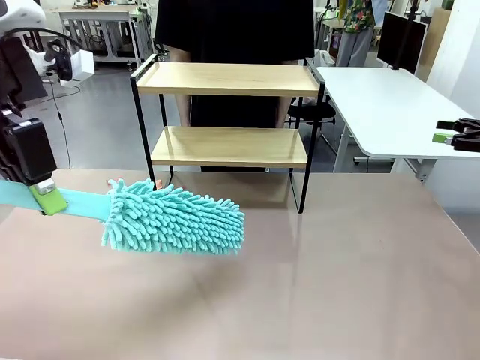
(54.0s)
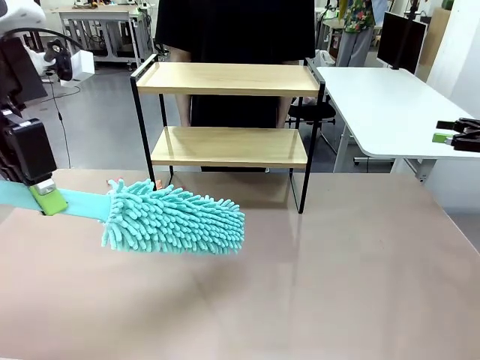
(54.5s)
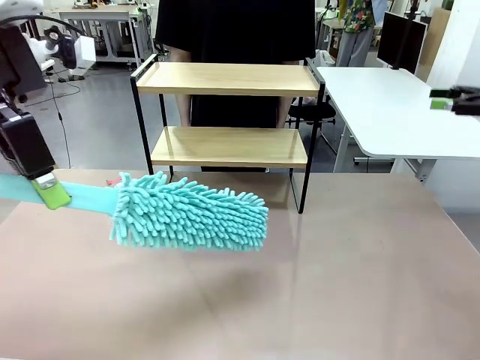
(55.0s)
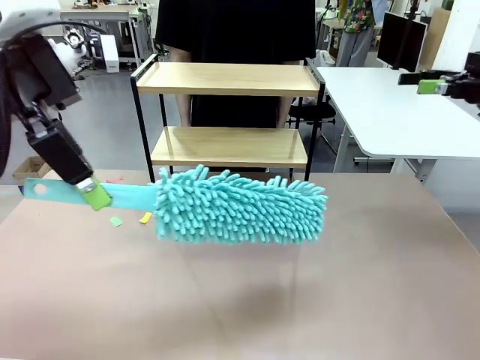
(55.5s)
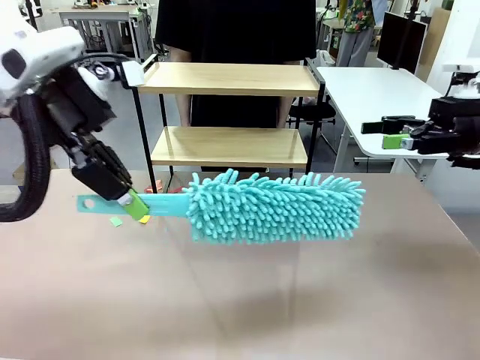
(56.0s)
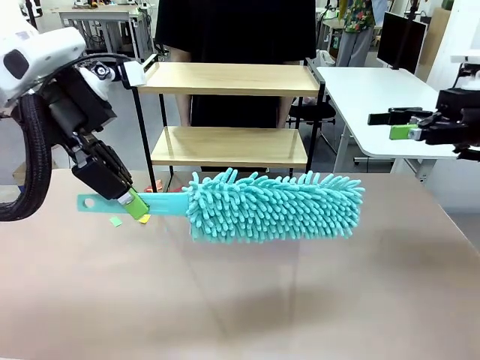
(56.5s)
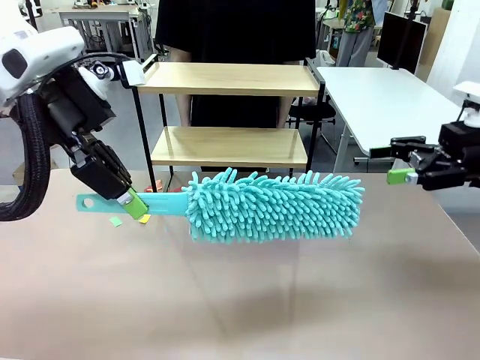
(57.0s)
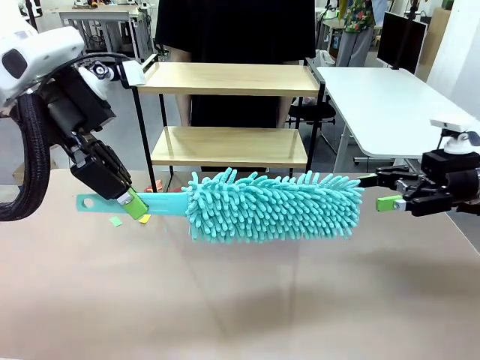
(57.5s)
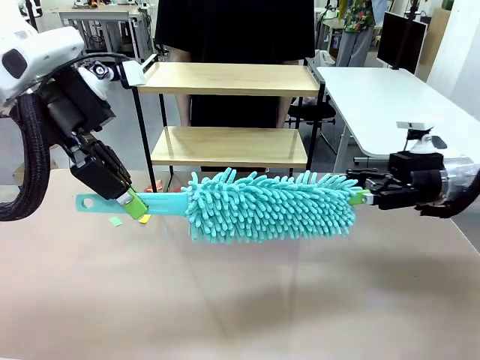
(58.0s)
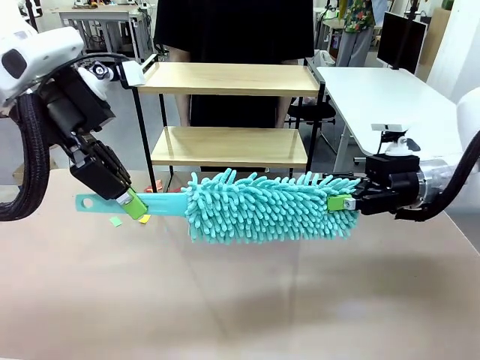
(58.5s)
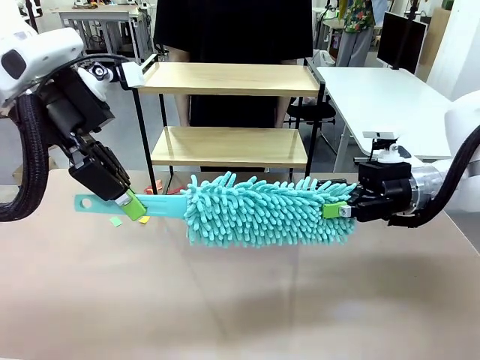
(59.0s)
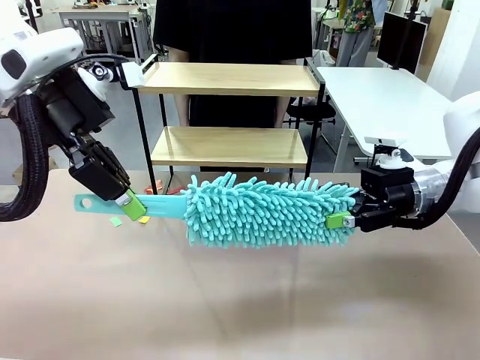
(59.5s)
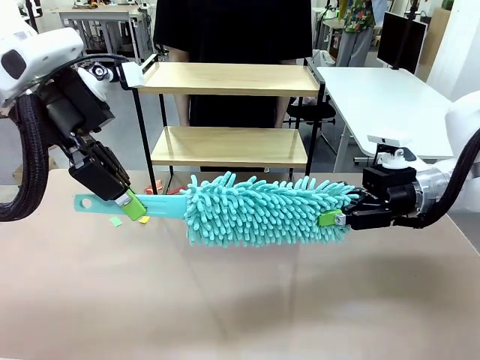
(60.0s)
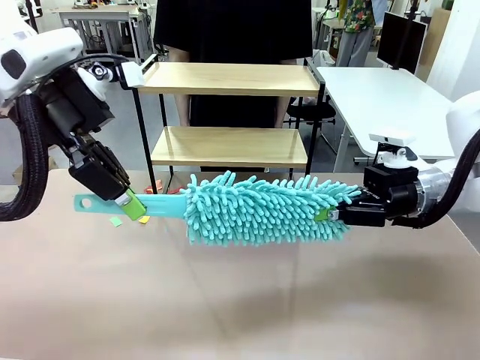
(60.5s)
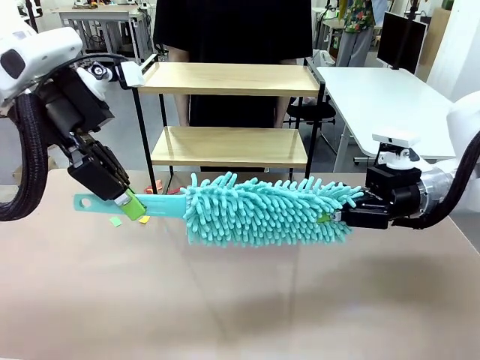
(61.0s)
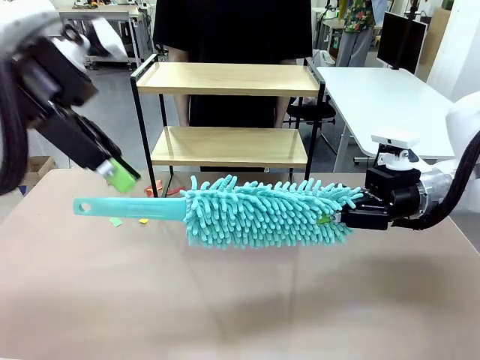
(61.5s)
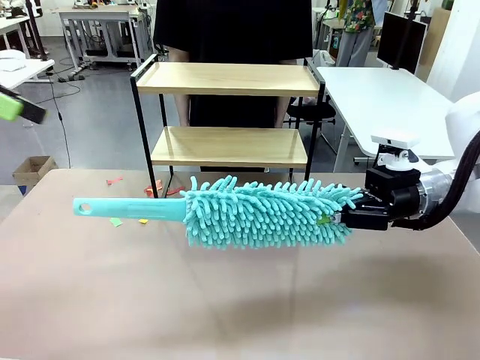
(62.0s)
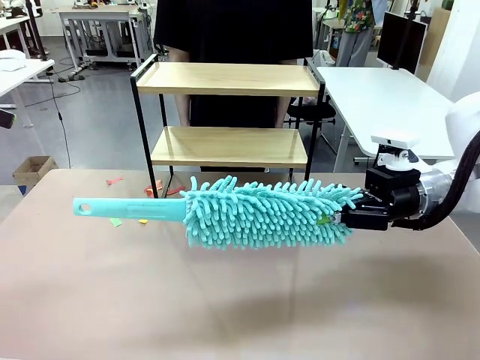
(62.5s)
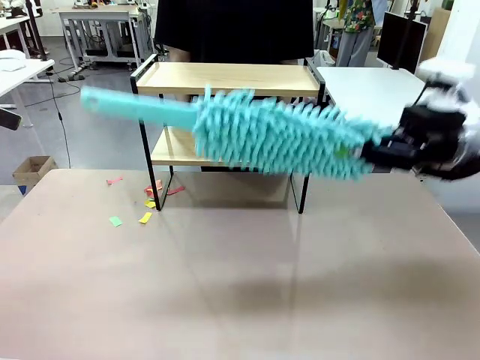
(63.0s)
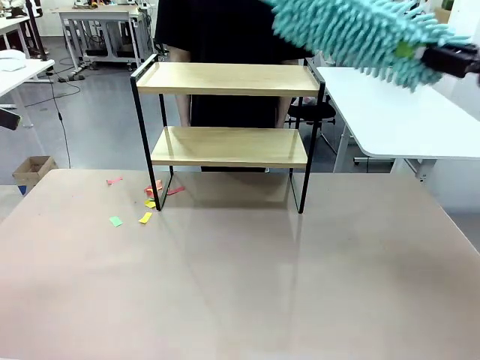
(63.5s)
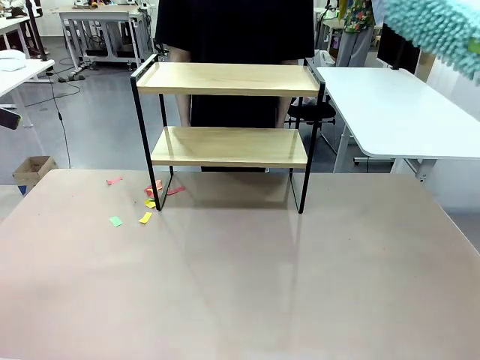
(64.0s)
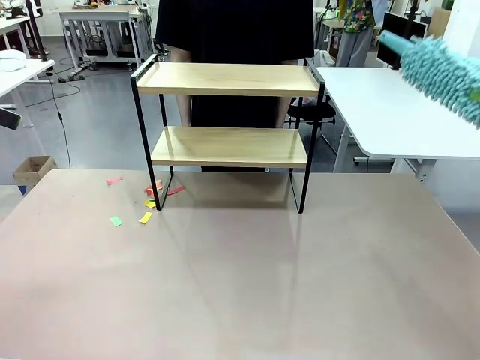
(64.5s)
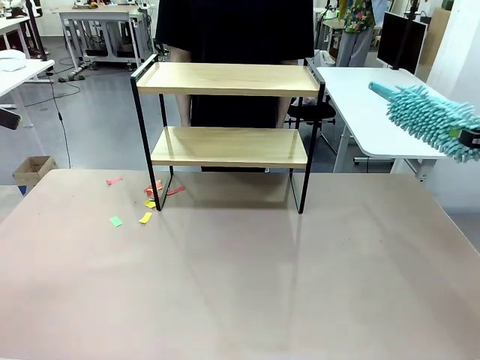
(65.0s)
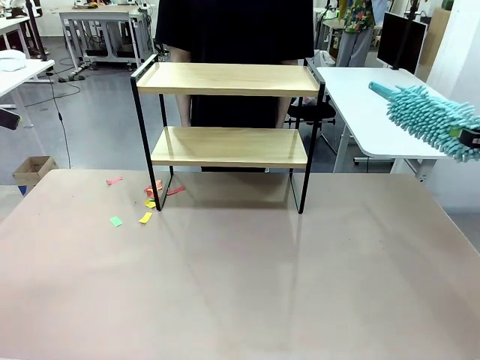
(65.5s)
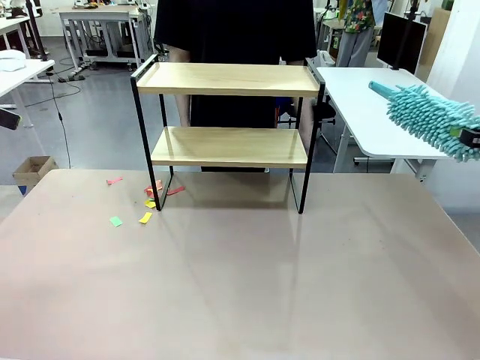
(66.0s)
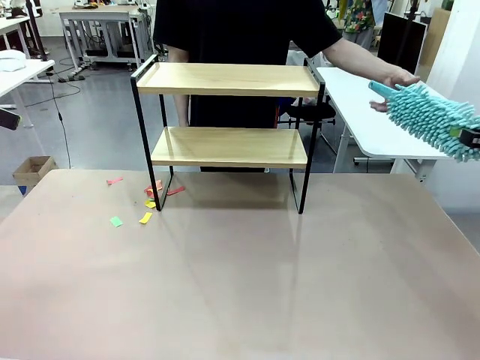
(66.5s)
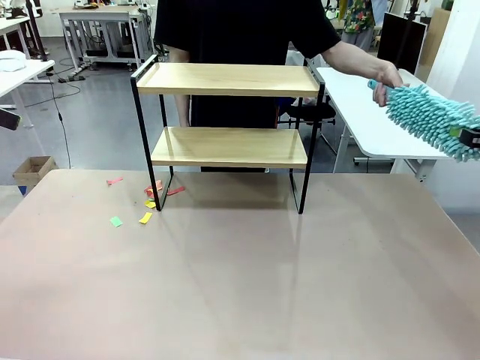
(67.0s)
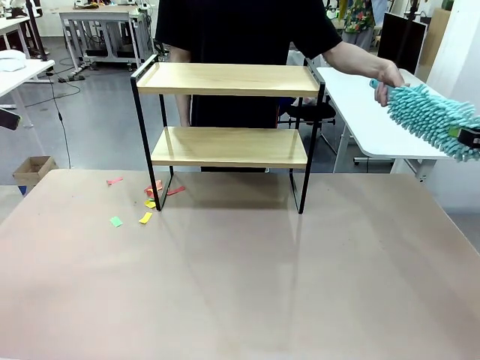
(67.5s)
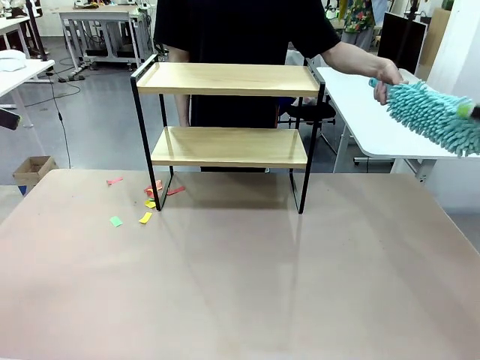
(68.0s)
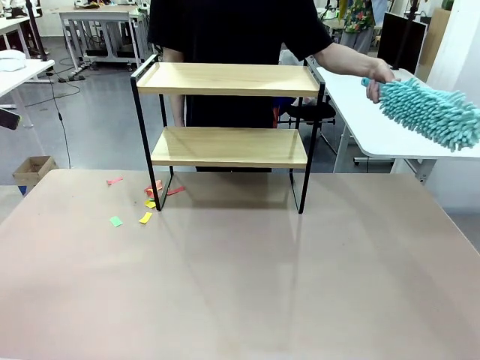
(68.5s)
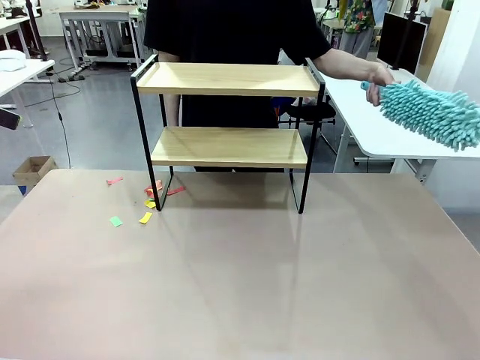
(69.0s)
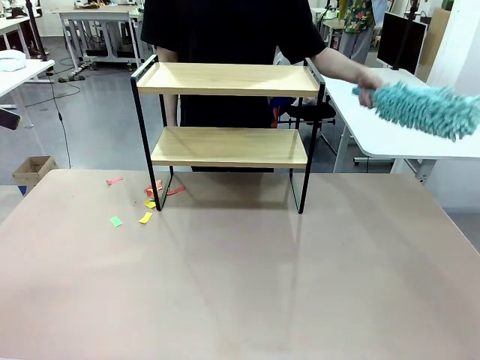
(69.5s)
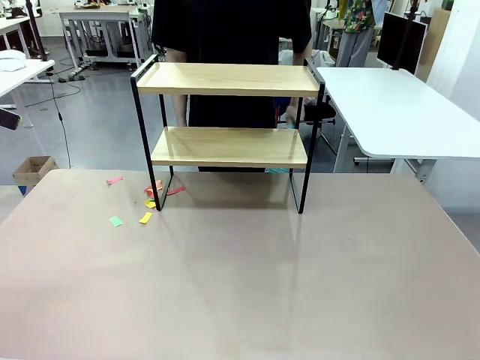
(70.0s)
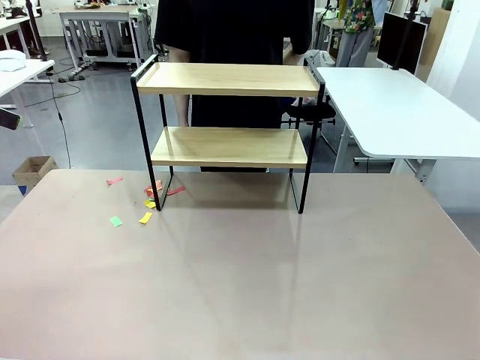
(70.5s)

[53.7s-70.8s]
Task: Clean the shelf.
Robot: Hand the Duster back to the human.
Person: Receive the Duster from the robot.

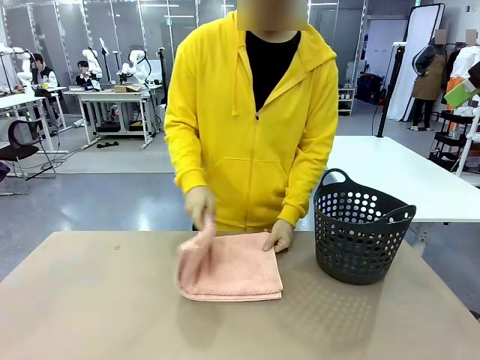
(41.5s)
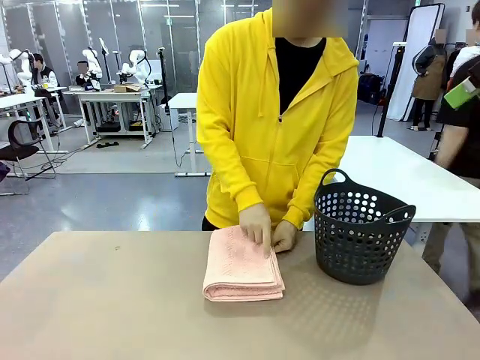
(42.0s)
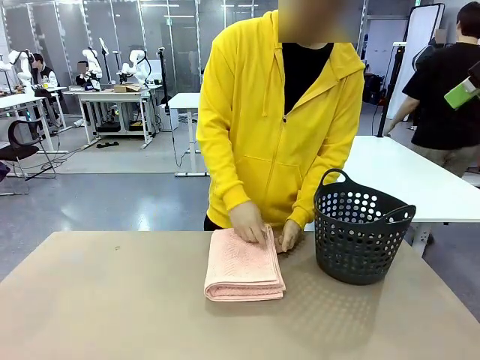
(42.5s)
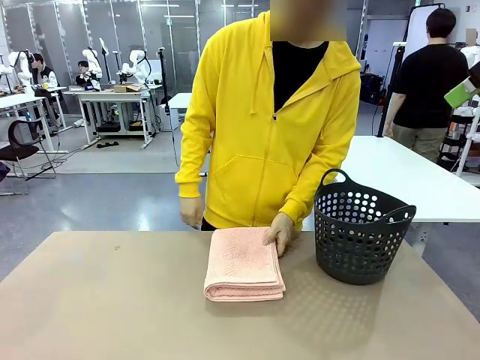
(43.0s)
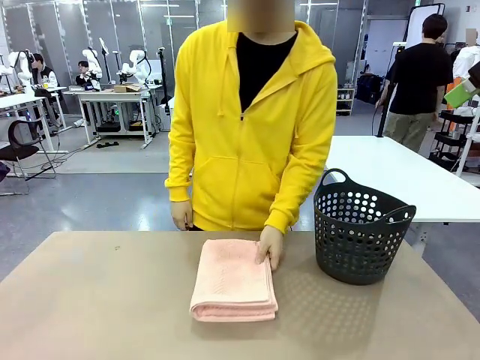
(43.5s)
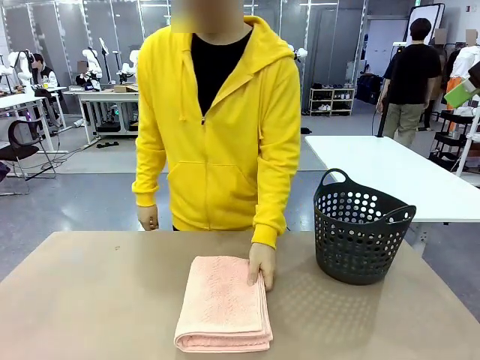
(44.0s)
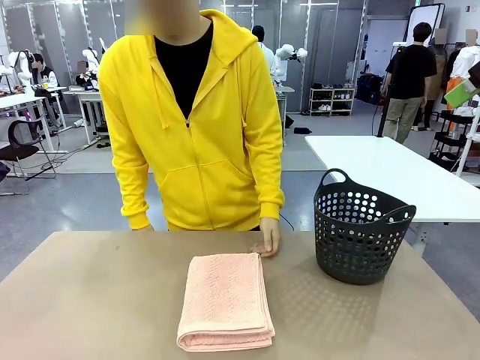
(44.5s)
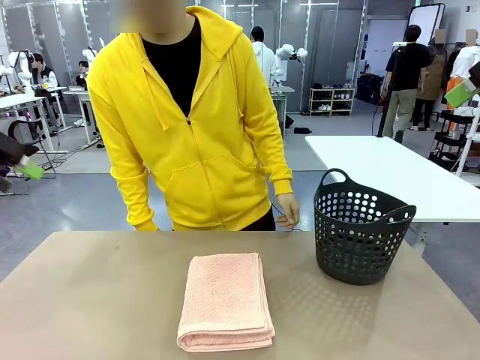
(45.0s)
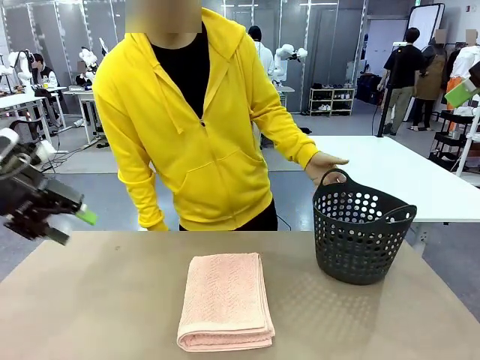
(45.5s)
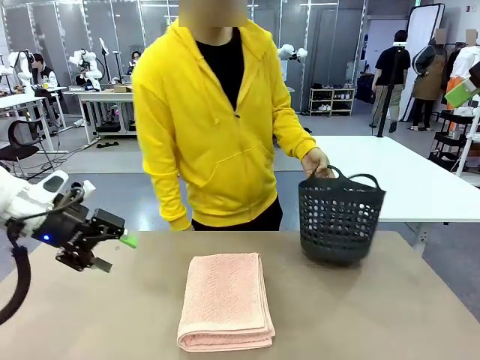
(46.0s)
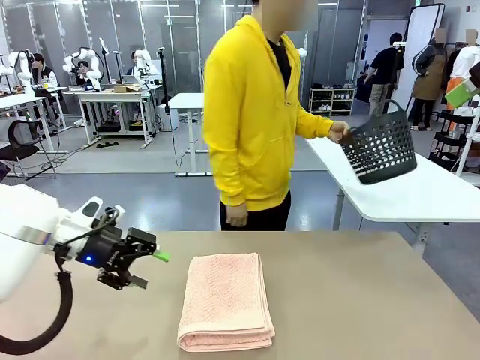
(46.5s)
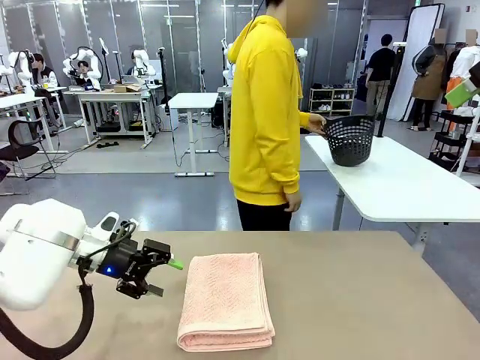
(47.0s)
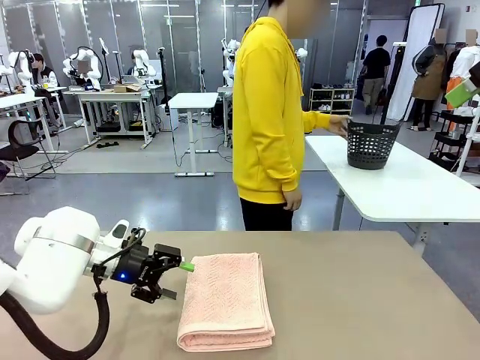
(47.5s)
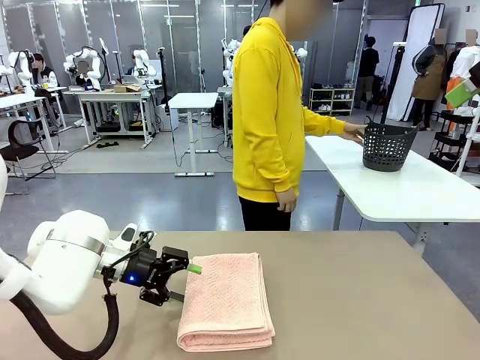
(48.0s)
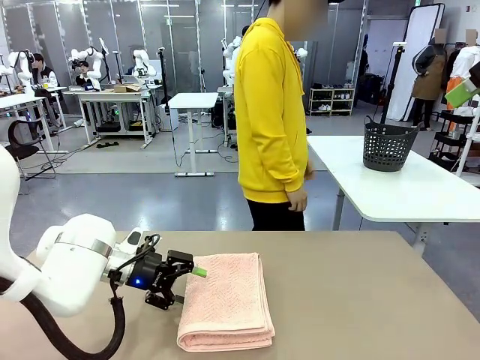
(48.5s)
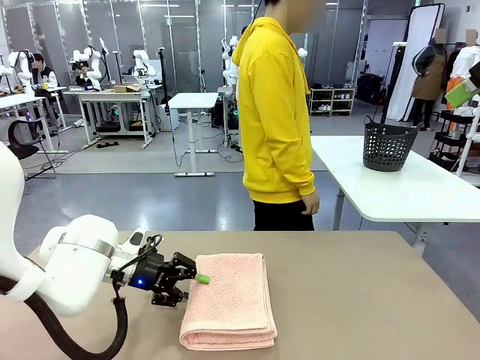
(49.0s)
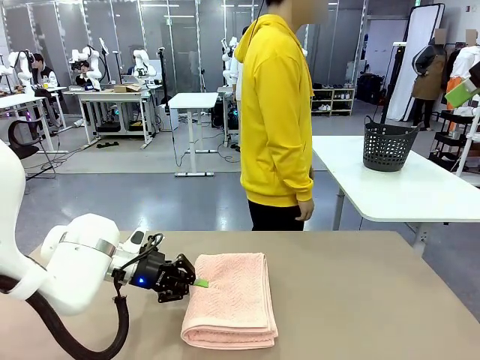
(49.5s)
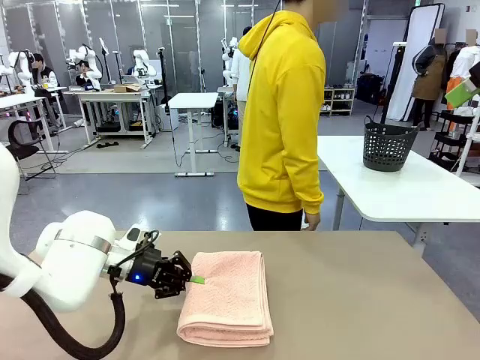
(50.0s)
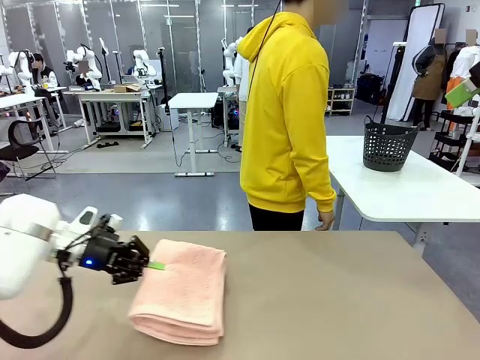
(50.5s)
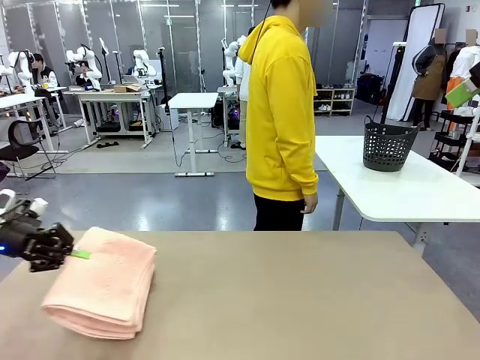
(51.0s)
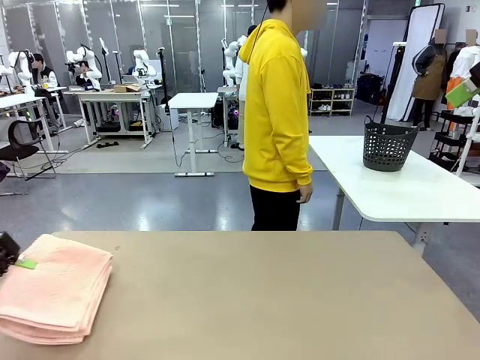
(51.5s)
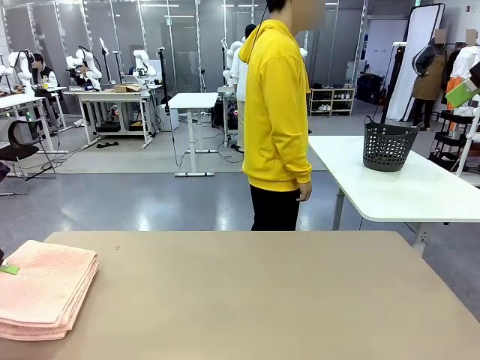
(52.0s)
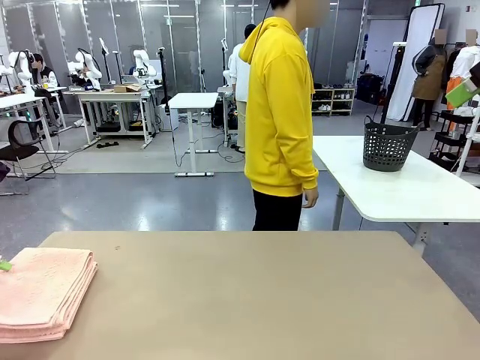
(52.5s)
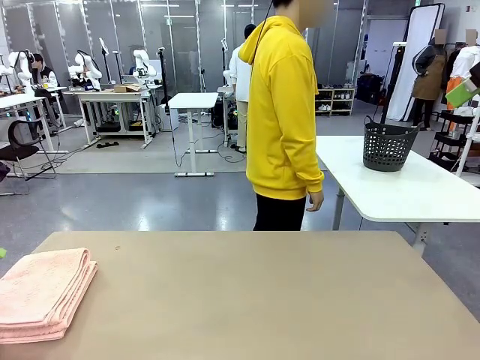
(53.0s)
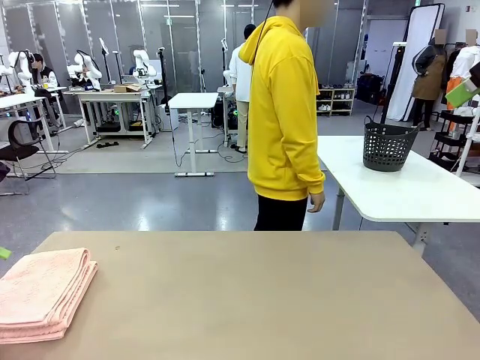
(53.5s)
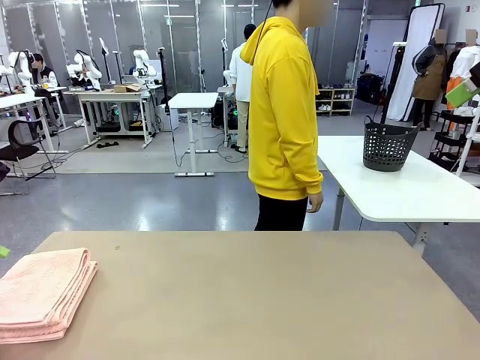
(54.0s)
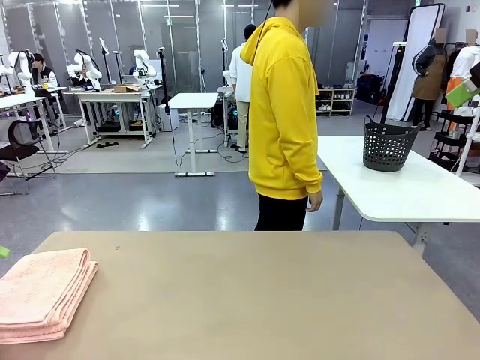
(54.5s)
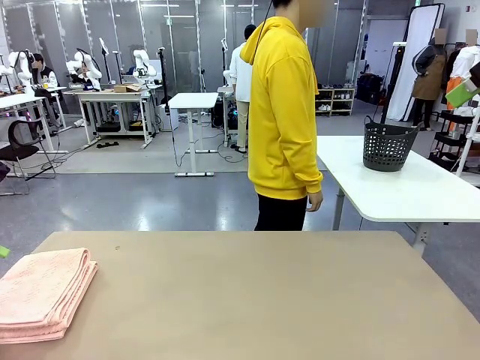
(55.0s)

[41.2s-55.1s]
Task: Fold the towel.
Robot: Pick up the 100 cm Hotel Towel and place it on the left side of the table.
Person: Pick up the laundry basket and place it at the center of the human table.
